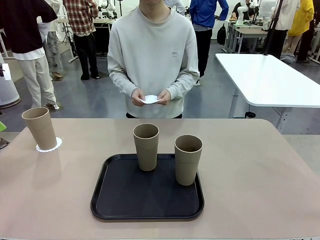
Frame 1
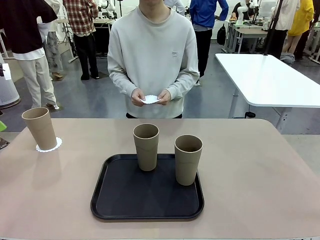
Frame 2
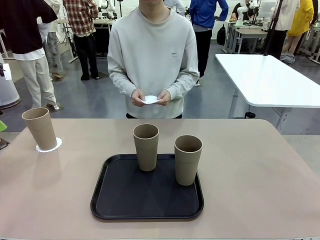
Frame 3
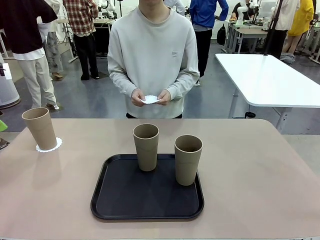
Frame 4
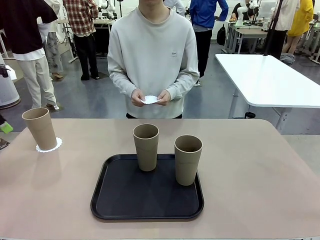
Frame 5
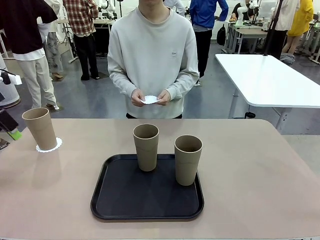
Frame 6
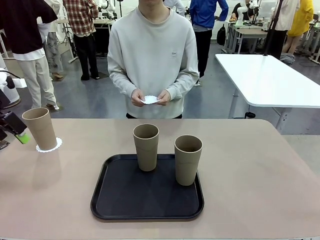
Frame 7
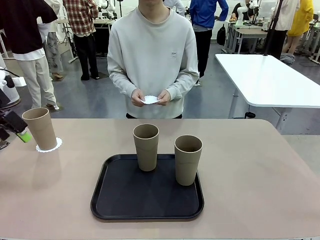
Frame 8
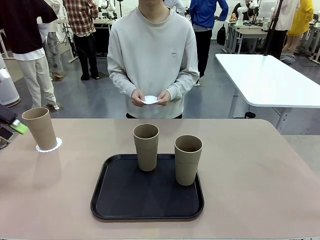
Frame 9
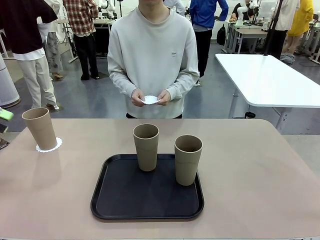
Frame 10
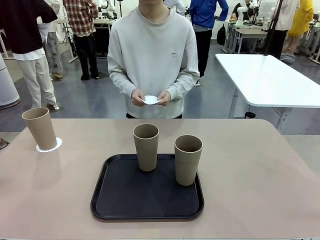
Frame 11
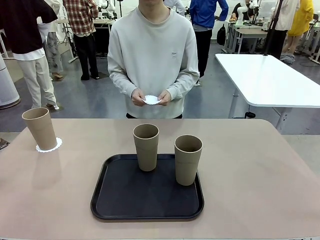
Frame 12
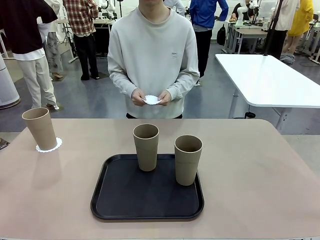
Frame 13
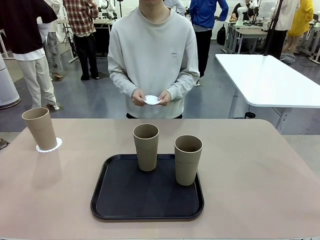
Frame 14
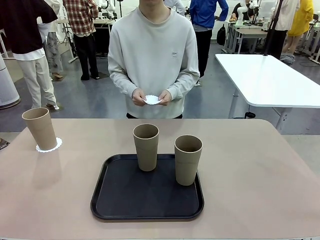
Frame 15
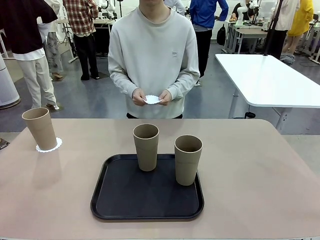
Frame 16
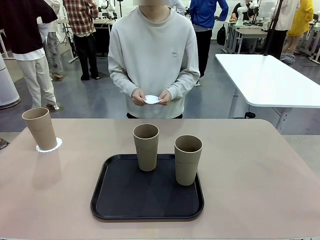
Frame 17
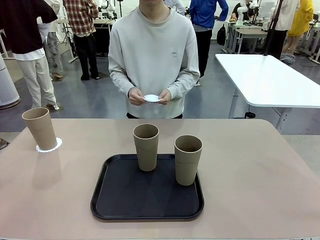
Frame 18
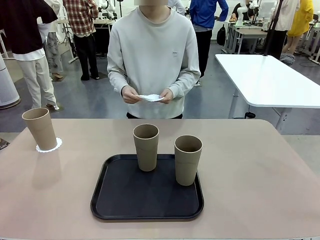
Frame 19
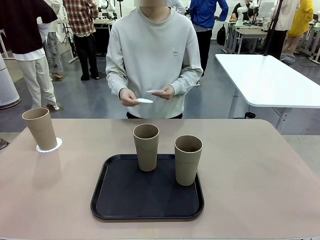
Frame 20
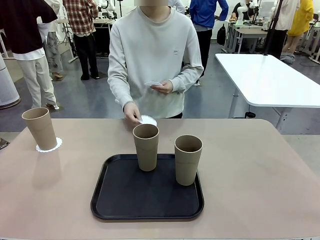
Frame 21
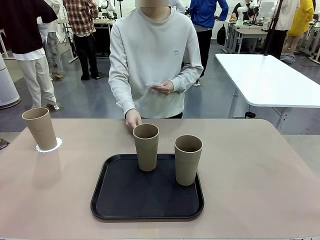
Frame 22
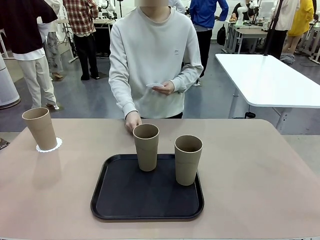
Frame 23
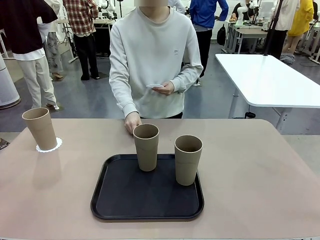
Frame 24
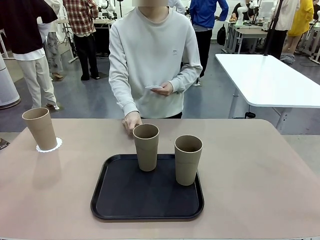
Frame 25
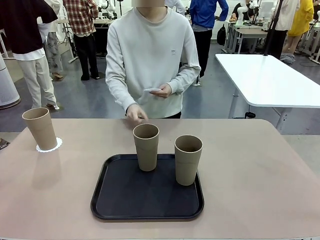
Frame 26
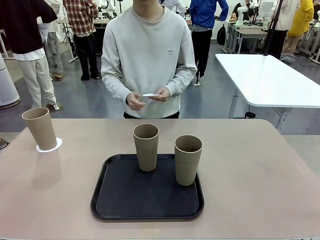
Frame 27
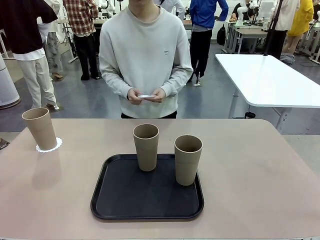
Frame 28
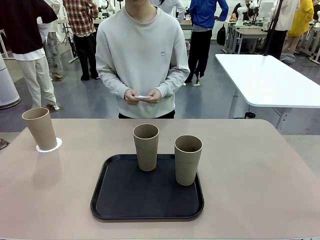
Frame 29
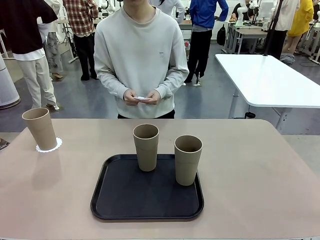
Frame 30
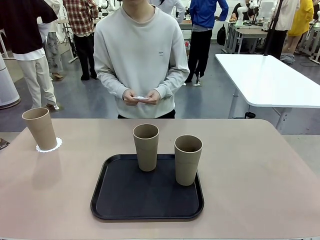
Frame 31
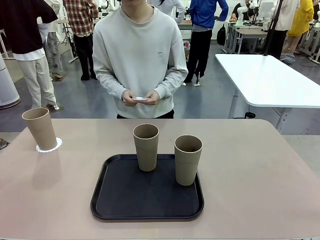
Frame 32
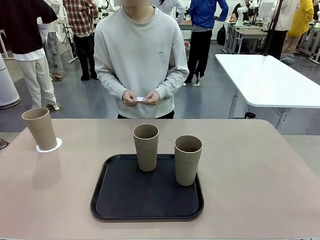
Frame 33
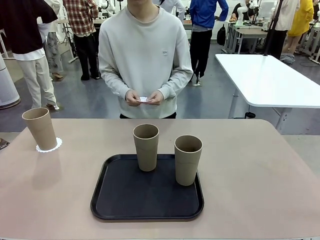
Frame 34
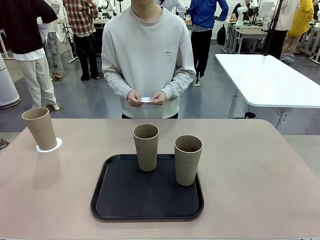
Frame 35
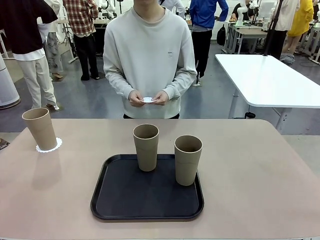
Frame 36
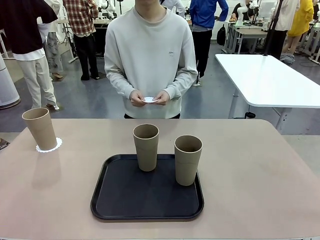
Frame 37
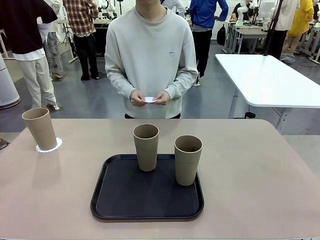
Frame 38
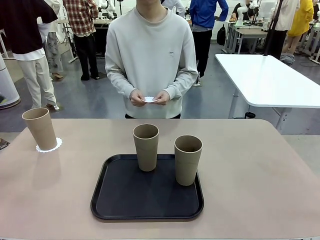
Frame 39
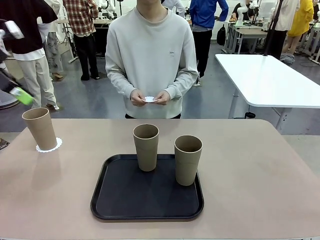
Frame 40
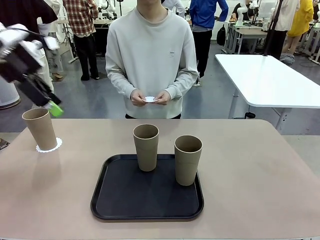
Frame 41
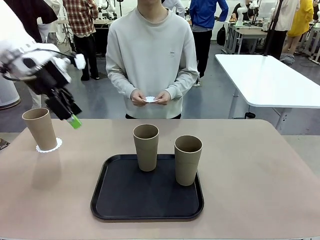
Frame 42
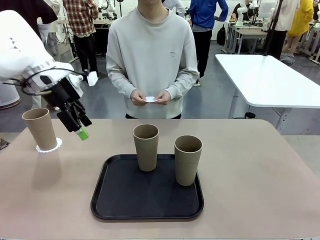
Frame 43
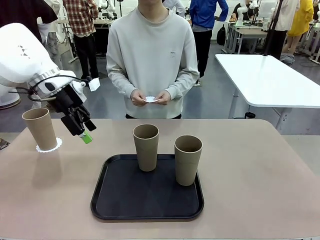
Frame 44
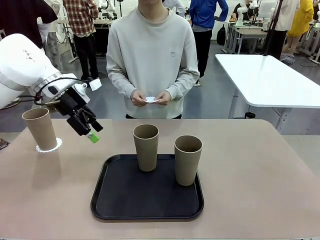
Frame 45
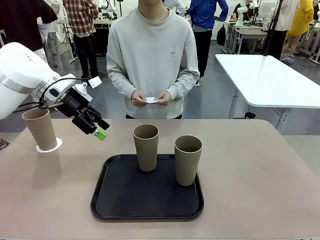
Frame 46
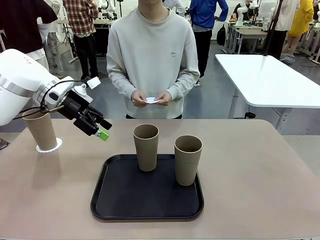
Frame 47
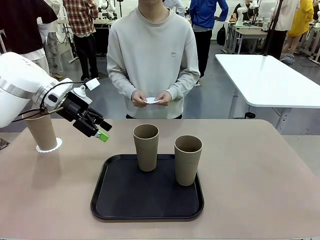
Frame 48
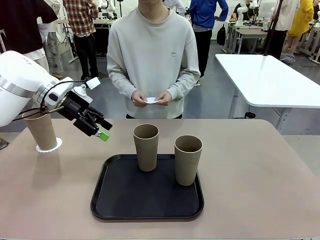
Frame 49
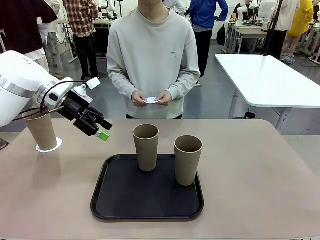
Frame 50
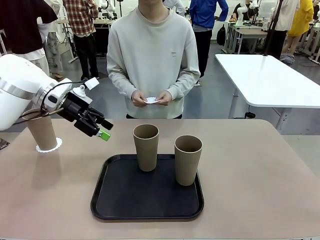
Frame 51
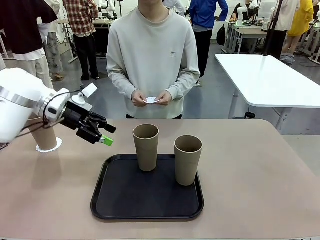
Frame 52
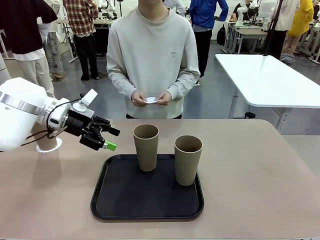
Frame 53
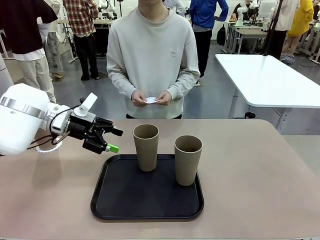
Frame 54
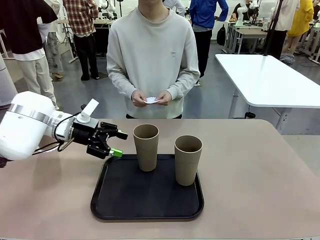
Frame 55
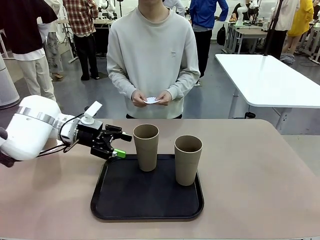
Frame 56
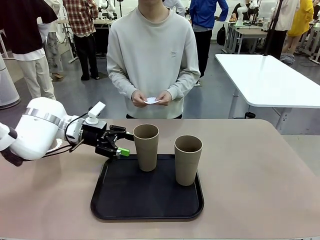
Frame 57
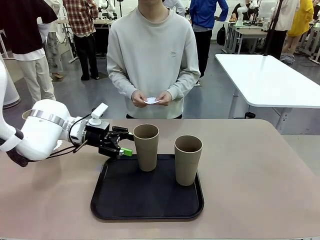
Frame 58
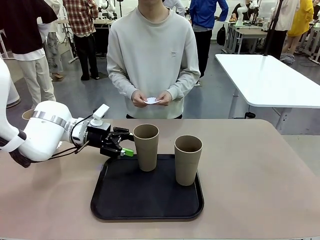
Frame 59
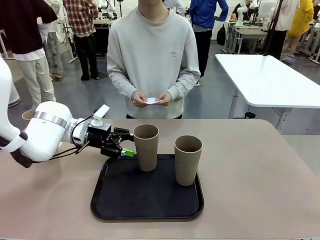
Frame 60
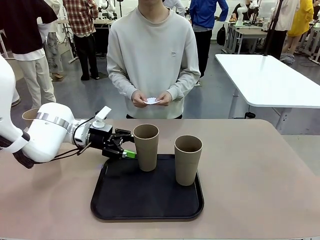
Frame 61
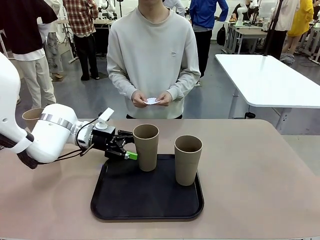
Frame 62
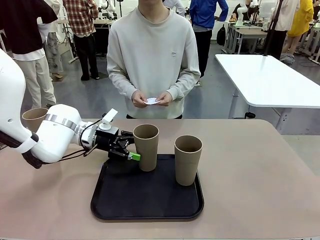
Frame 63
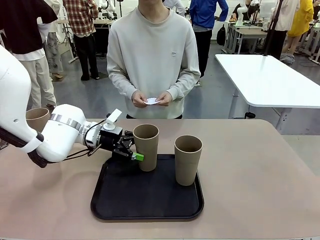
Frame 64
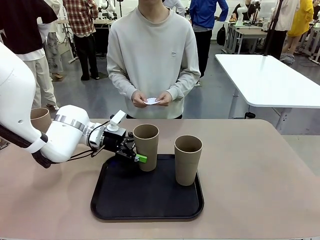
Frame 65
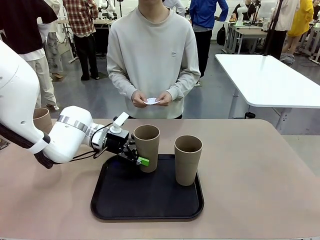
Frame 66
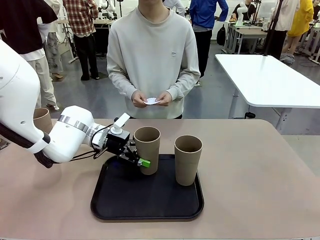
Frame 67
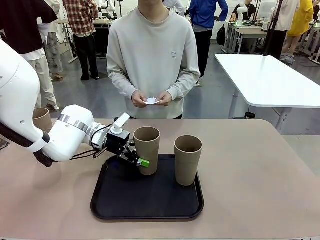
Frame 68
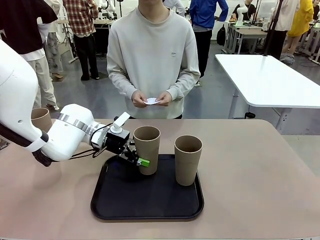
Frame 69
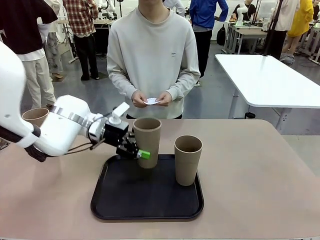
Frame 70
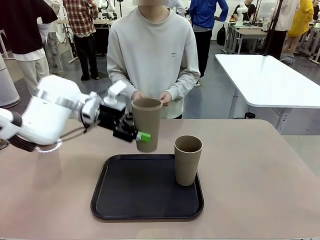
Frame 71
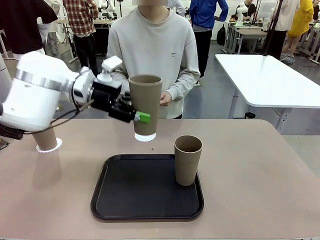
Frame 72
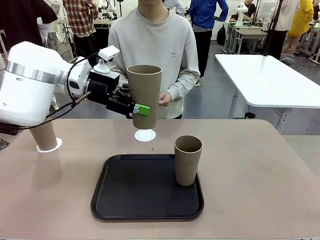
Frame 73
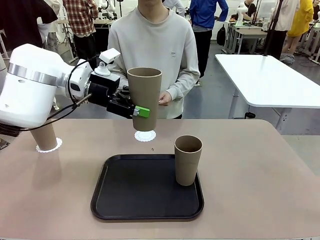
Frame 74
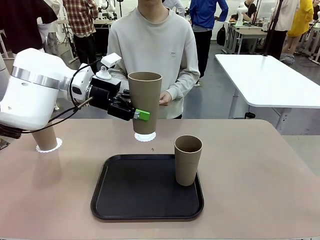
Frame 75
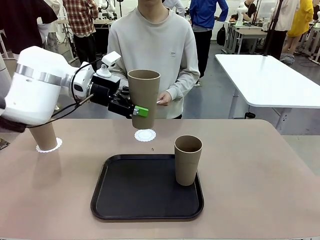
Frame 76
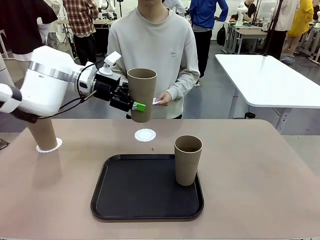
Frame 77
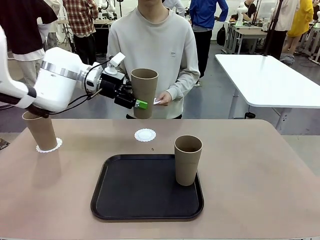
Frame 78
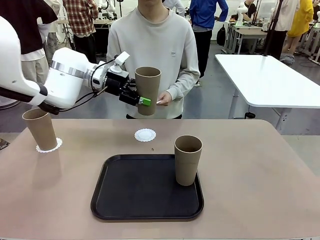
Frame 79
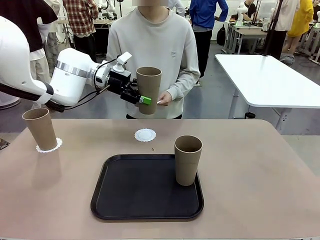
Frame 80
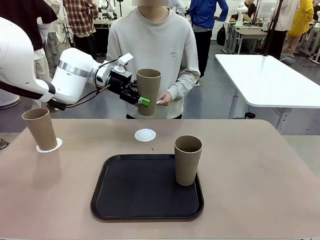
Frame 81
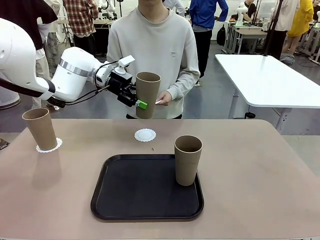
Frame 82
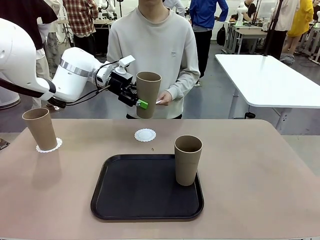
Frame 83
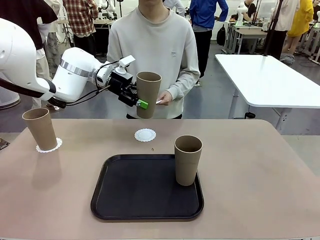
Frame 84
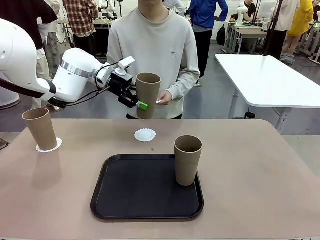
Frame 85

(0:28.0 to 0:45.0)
Task: Place coasters on the table and set cups on them.
Robot: Take one Reusable plastic cup from the Flat Tray and place it on a coaster set by the human.
